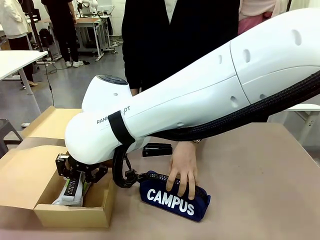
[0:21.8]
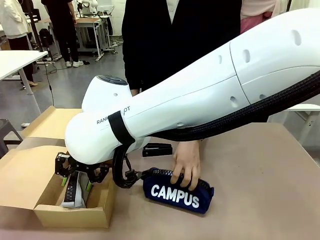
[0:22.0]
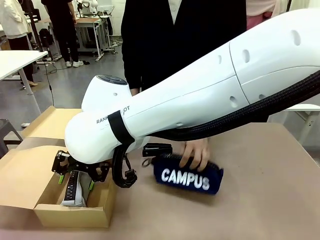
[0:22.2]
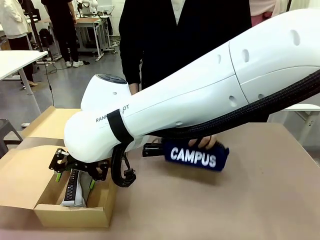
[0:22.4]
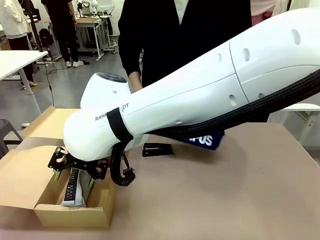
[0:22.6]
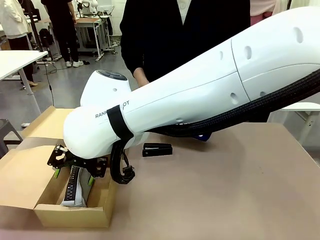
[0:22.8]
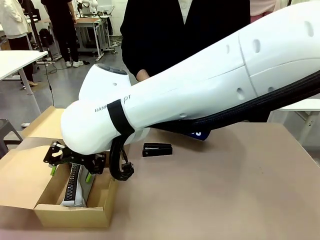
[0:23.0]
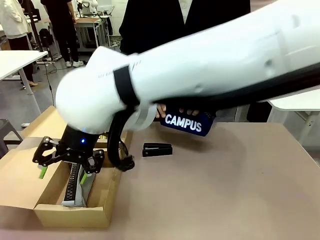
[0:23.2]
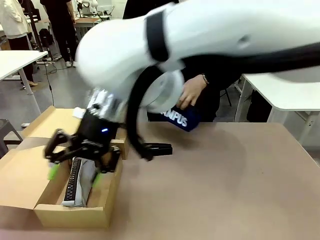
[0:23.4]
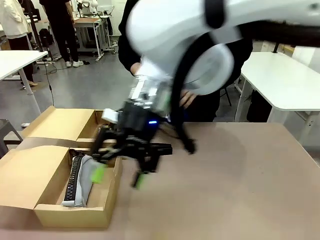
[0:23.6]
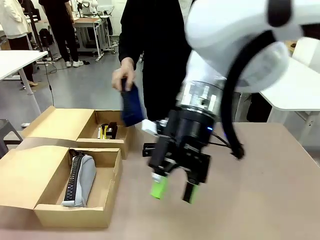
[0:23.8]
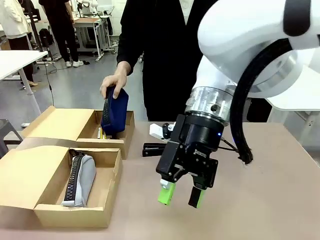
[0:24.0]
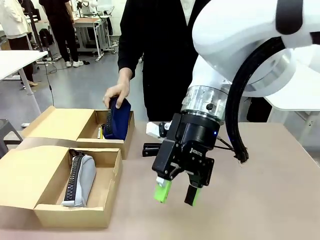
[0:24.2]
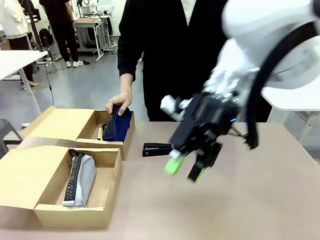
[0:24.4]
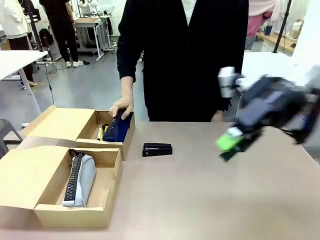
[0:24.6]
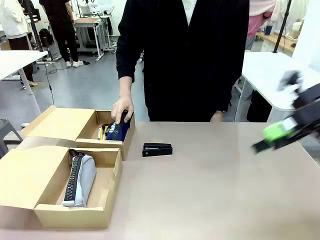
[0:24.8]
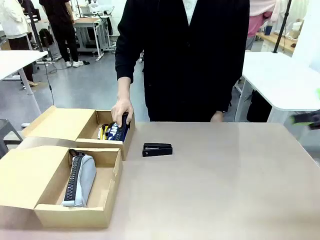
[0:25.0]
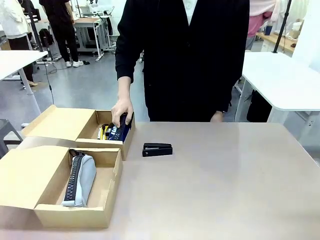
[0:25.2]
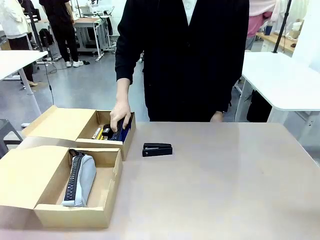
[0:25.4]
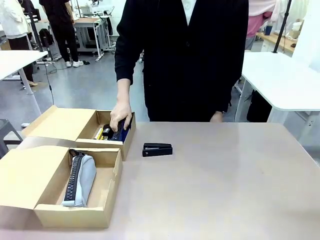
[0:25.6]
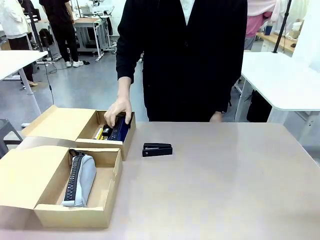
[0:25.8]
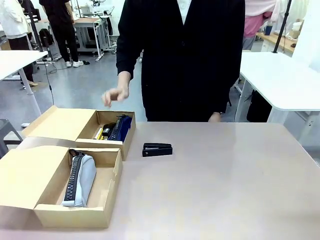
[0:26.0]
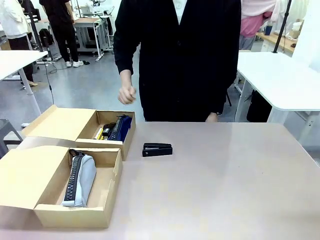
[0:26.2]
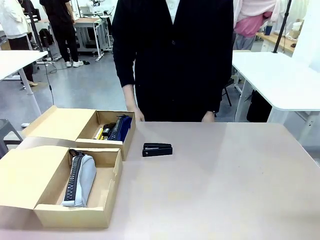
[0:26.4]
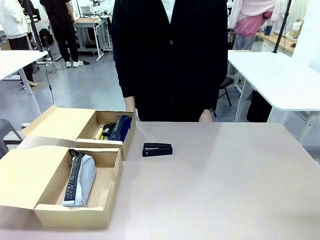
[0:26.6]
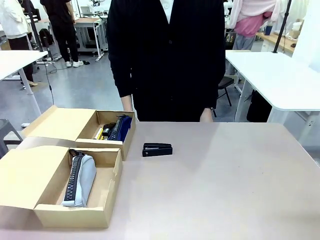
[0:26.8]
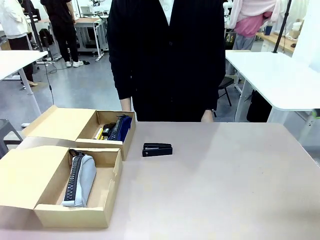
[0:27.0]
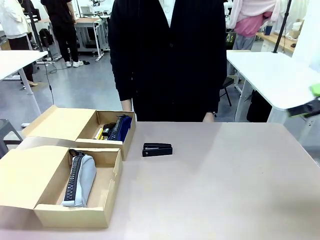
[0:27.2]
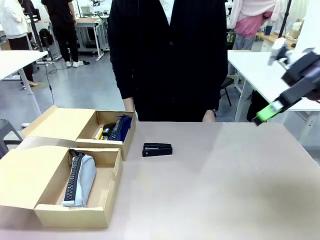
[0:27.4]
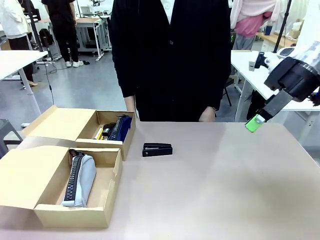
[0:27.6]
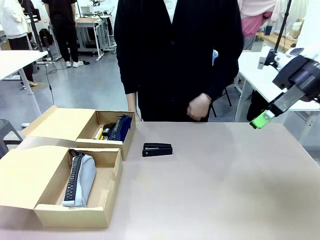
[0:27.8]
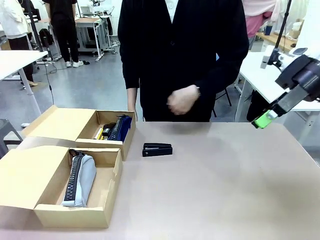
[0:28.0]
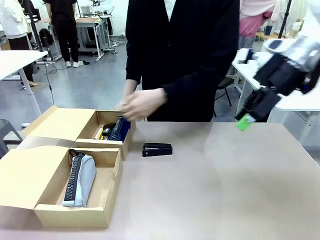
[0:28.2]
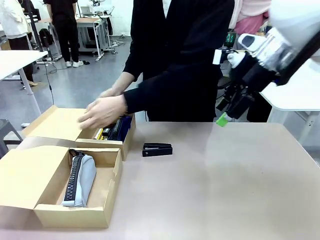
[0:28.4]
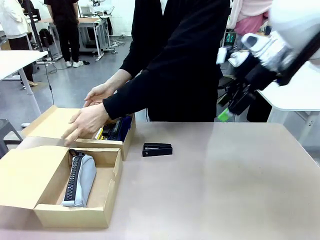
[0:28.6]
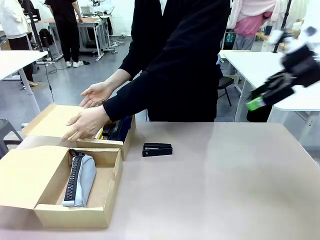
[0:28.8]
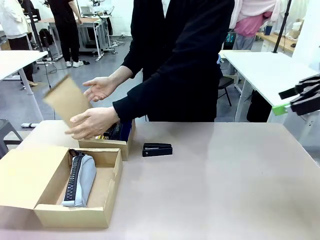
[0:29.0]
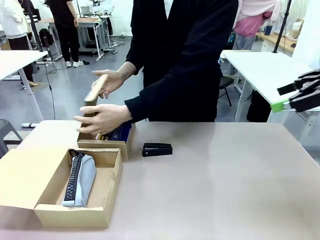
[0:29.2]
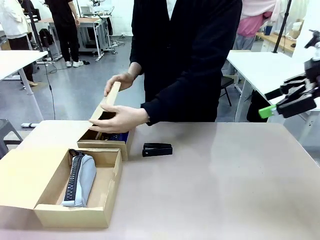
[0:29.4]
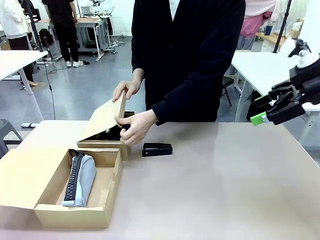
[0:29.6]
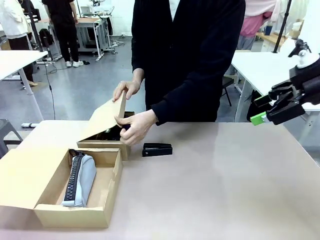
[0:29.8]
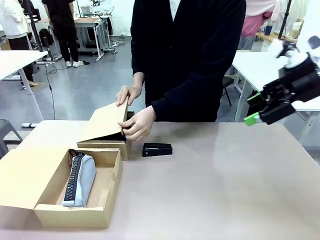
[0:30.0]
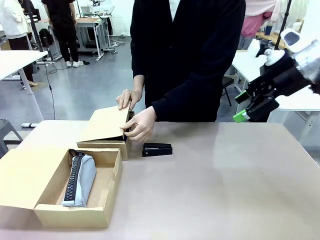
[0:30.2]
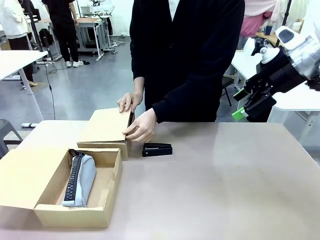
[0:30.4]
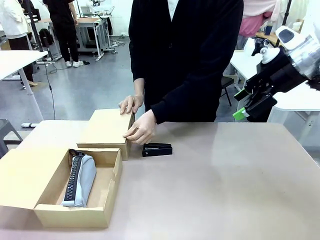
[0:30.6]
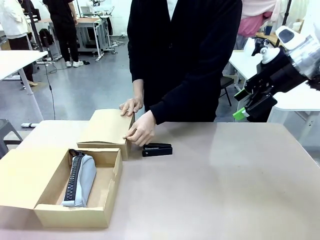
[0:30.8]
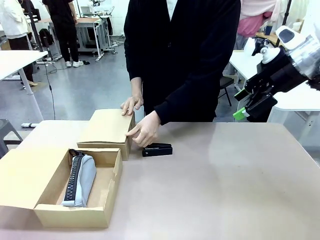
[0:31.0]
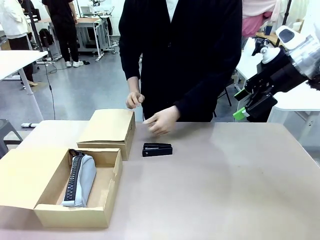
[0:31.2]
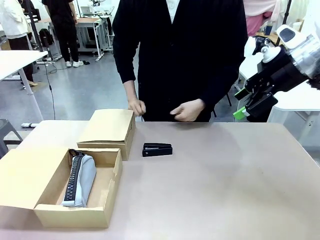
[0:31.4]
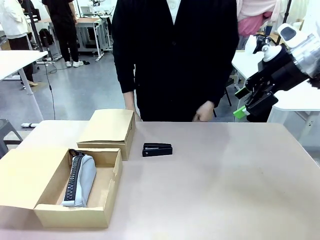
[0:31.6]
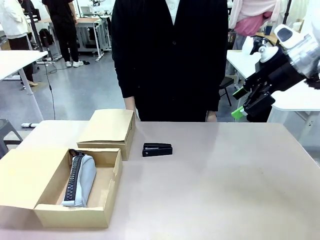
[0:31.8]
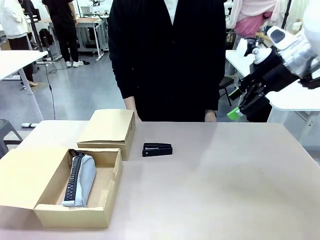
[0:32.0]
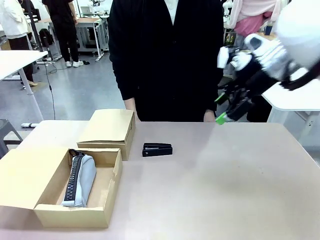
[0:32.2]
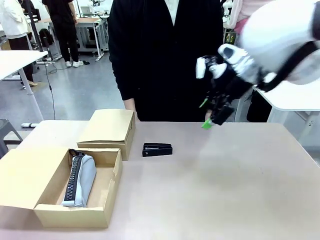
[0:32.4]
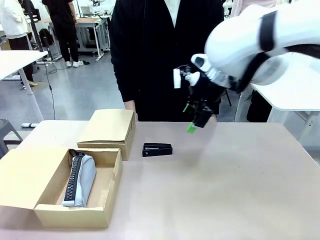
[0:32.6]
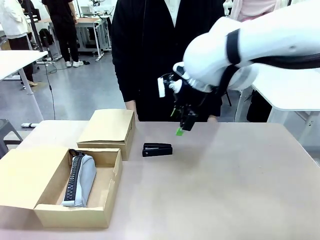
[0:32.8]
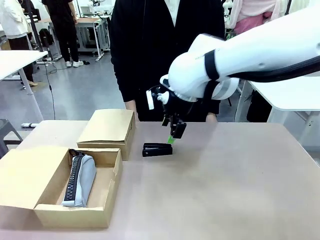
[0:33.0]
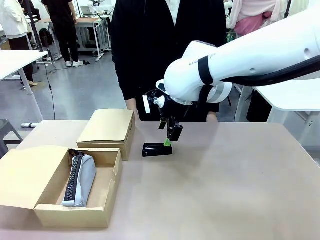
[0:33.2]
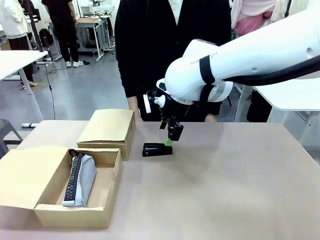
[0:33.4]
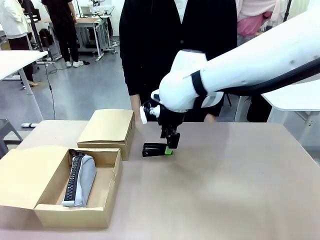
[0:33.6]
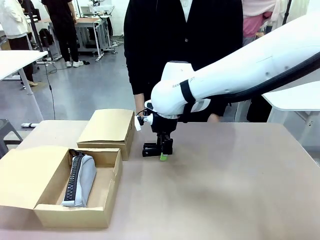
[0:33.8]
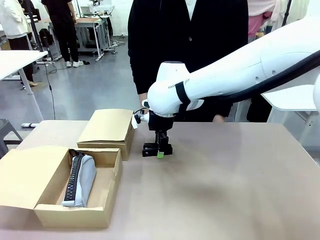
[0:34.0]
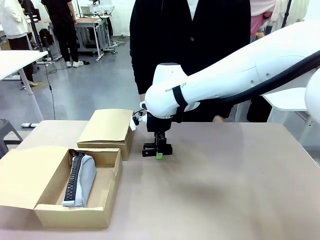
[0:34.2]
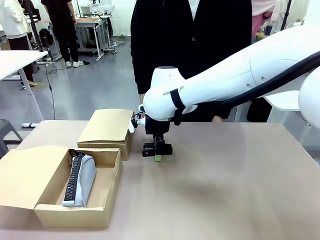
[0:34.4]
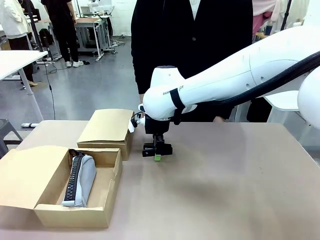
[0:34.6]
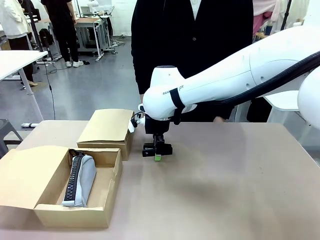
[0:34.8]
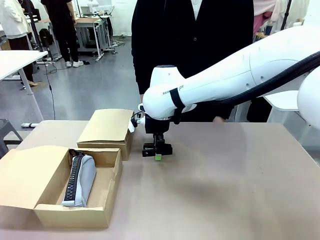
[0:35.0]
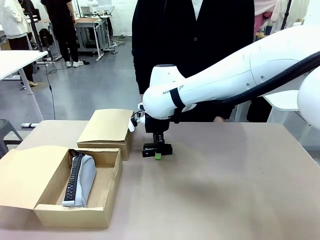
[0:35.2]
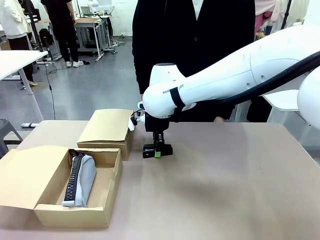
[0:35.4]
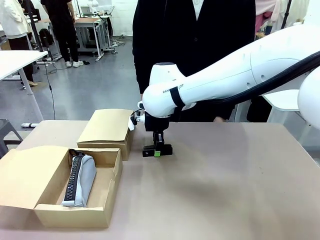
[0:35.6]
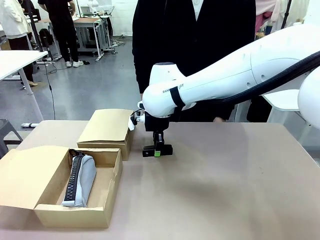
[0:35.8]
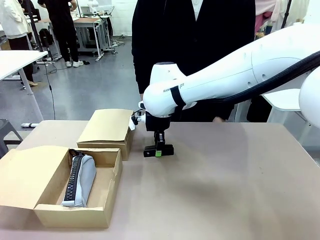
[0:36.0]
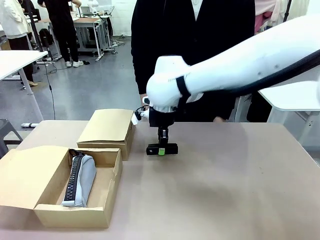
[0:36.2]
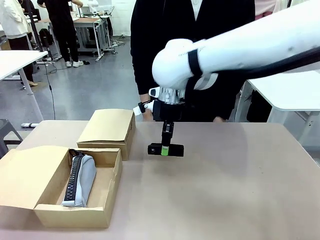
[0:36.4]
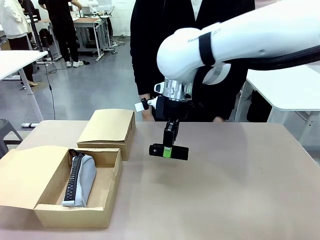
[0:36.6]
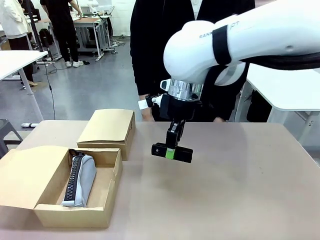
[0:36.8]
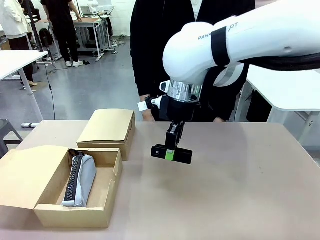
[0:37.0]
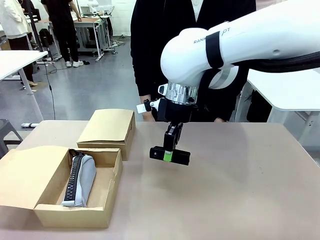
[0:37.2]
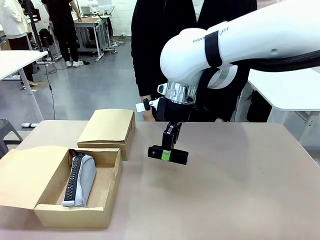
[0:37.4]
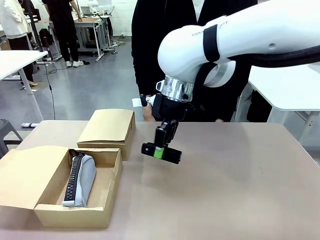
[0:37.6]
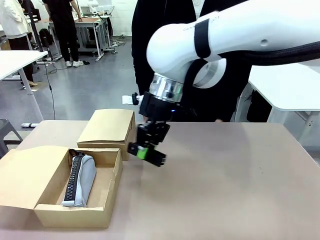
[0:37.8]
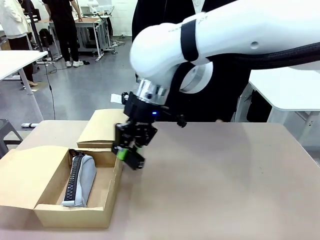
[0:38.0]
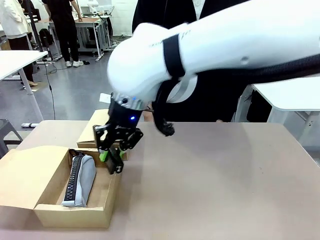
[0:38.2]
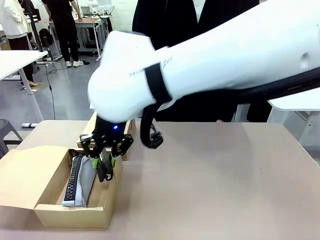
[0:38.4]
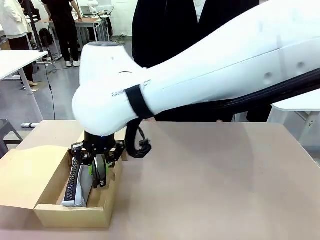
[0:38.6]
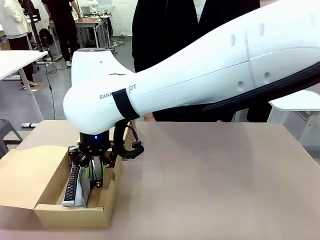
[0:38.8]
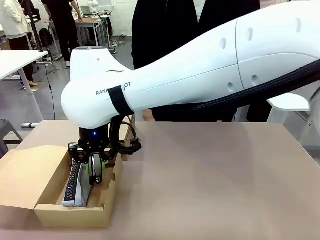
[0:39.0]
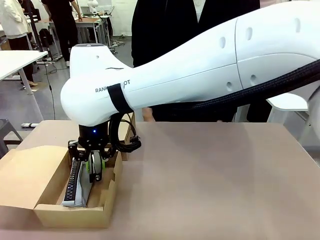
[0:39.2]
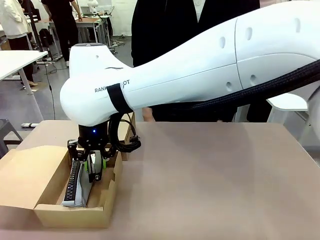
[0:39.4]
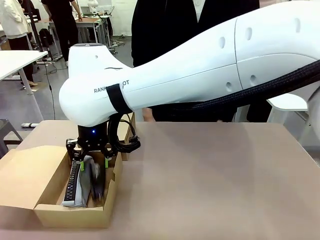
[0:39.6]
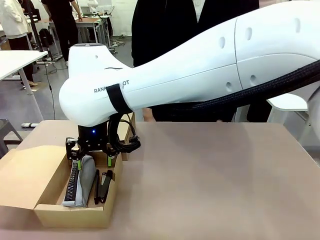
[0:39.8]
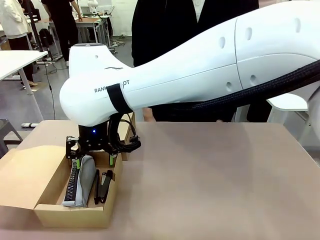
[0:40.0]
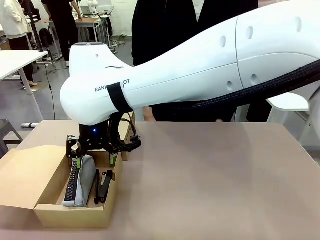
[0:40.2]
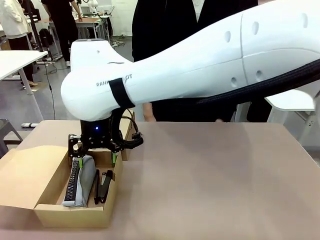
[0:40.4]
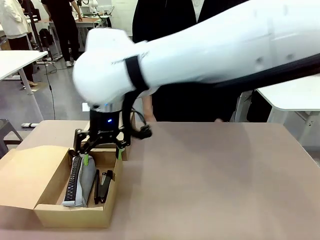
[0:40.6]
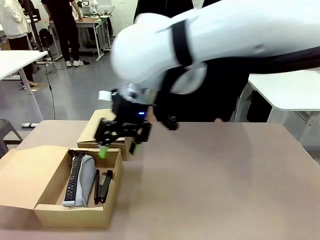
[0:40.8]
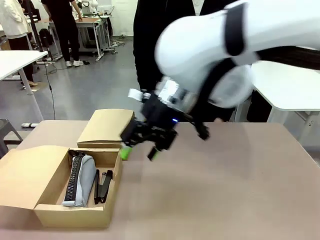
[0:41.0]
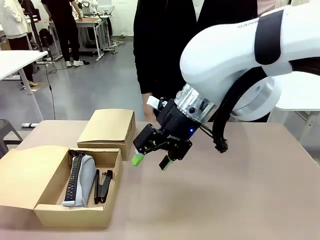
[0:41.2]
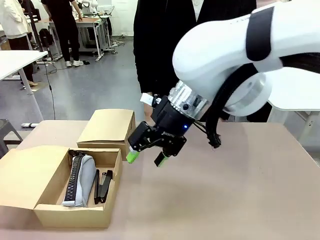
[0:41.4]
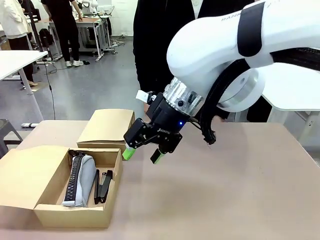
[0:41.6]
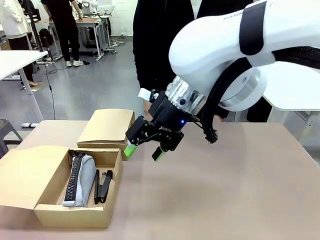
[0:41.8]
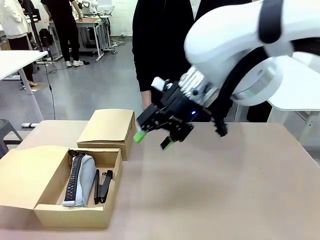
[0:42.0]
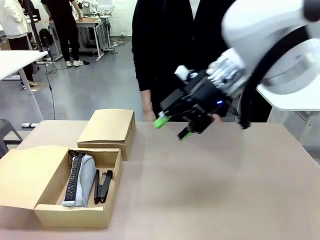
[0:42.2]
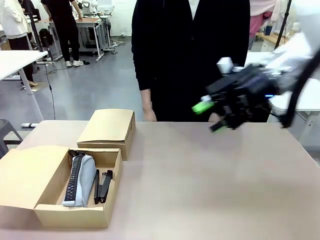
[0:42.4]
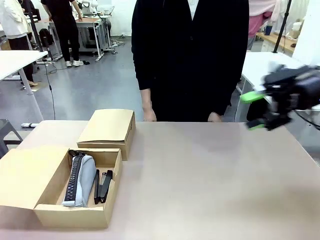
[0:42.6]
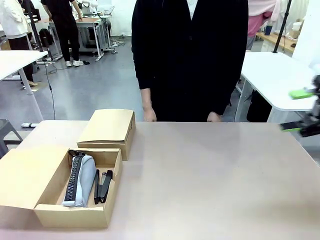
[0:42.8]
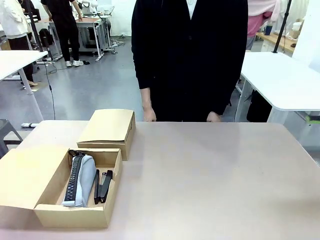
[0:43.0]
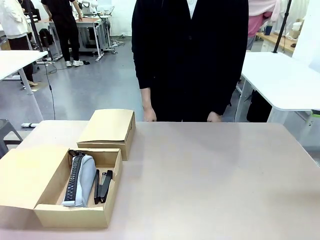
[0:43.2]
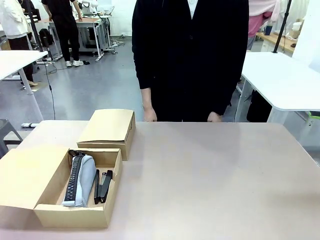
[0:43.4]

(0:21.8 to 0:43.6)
Task: Place items inside the box.
Robot: Pick up a Pencil pouch or Stapler and place it inside the Mailer Box closest to the robot.
Person: Close the lid of the box facing the person.
